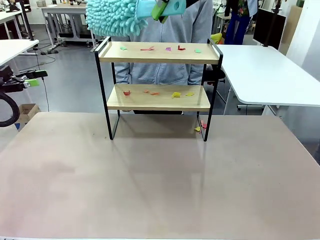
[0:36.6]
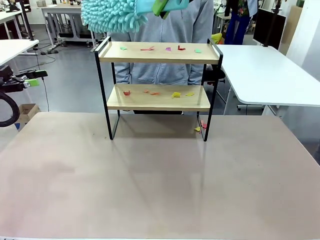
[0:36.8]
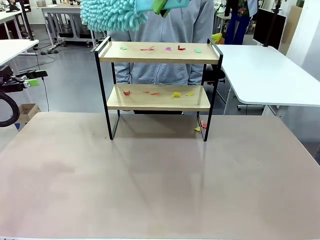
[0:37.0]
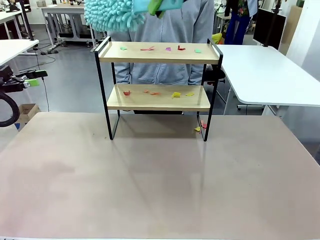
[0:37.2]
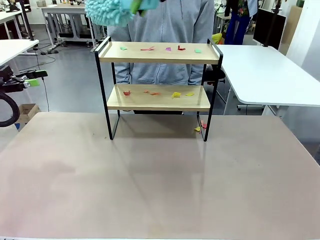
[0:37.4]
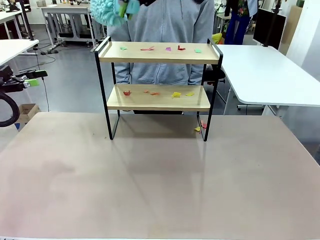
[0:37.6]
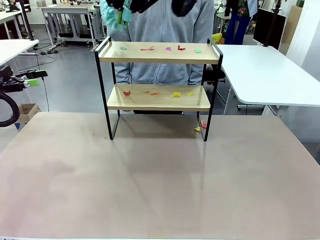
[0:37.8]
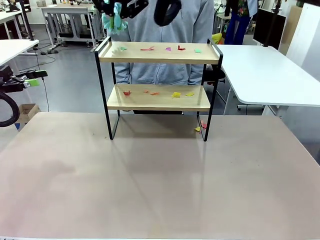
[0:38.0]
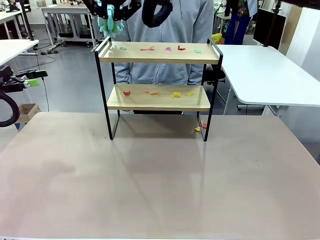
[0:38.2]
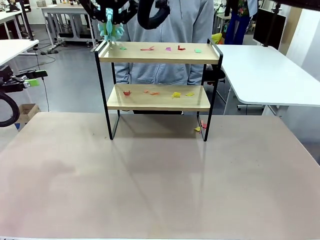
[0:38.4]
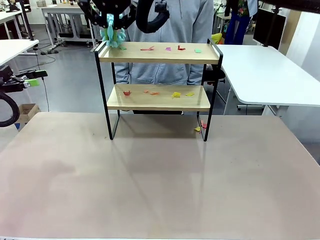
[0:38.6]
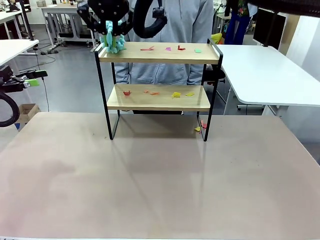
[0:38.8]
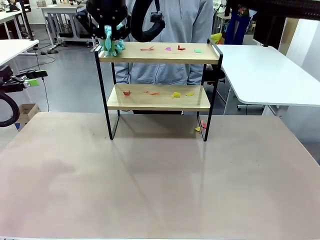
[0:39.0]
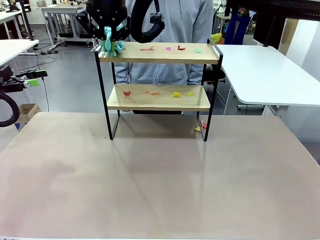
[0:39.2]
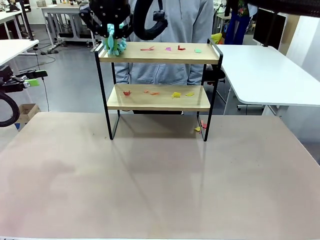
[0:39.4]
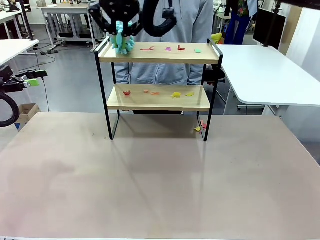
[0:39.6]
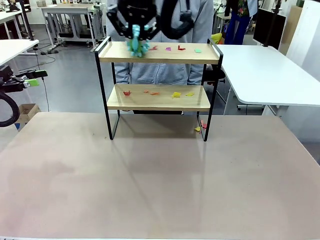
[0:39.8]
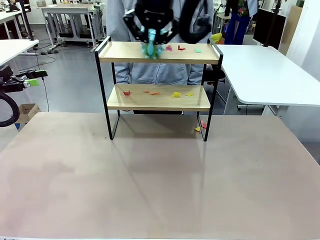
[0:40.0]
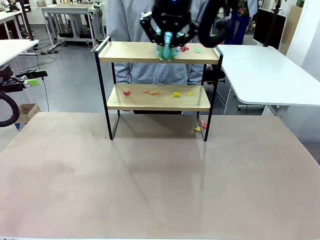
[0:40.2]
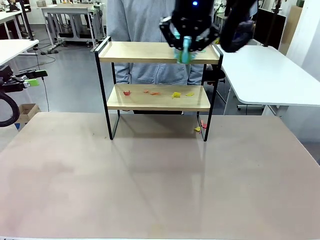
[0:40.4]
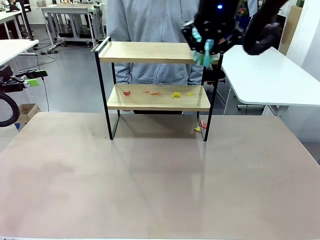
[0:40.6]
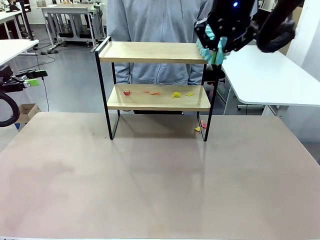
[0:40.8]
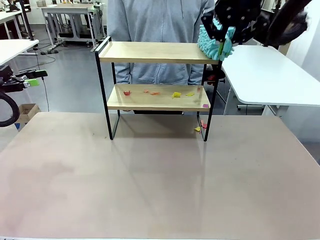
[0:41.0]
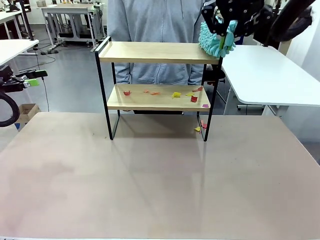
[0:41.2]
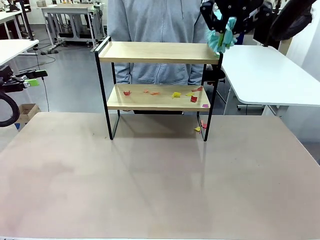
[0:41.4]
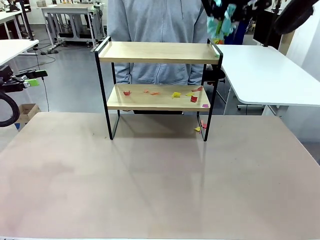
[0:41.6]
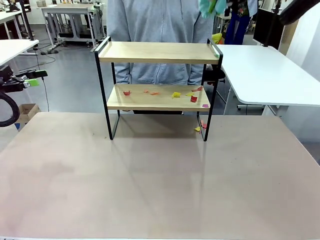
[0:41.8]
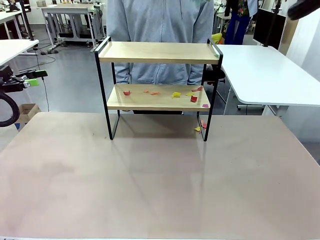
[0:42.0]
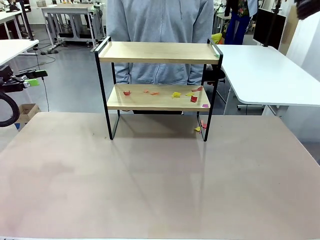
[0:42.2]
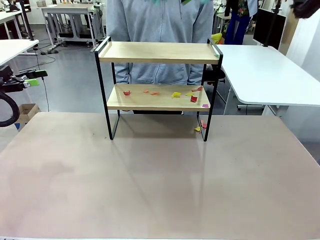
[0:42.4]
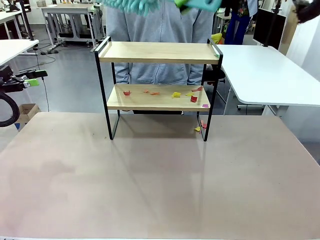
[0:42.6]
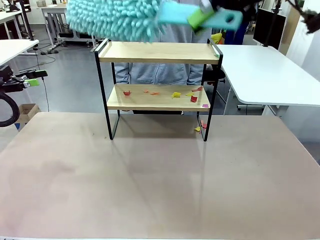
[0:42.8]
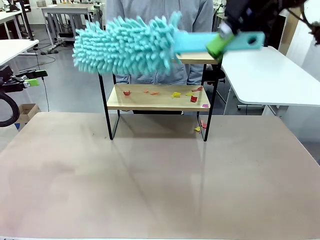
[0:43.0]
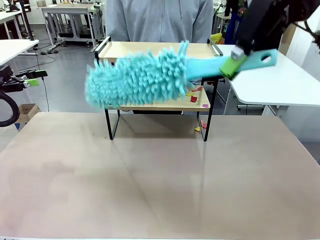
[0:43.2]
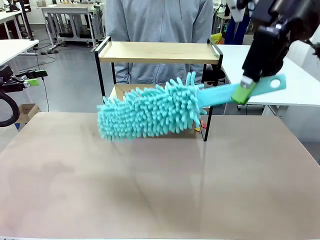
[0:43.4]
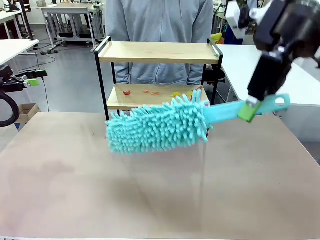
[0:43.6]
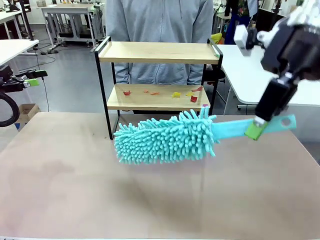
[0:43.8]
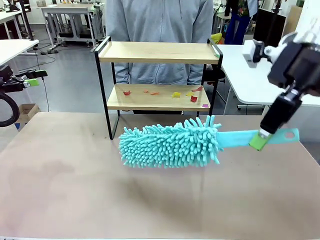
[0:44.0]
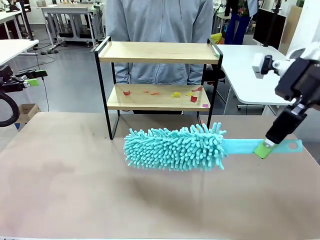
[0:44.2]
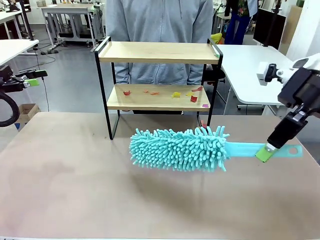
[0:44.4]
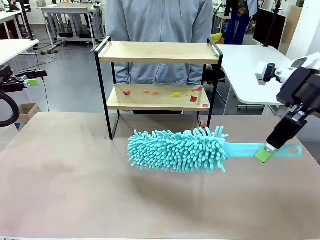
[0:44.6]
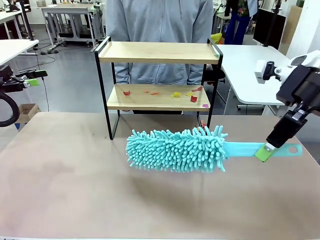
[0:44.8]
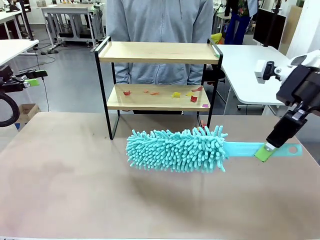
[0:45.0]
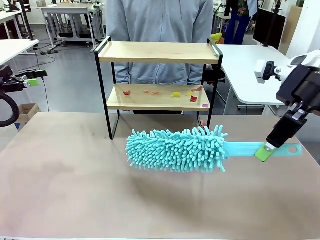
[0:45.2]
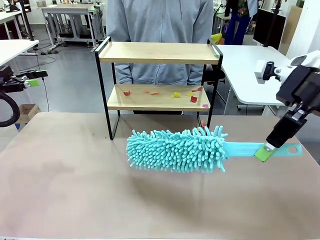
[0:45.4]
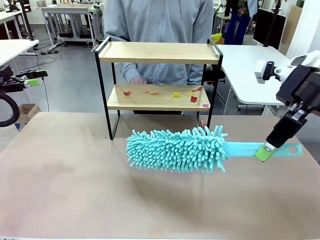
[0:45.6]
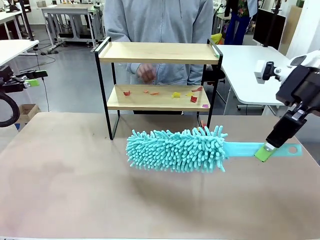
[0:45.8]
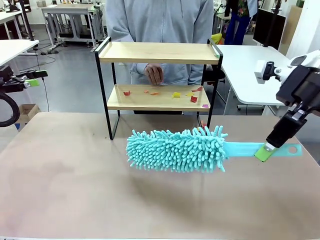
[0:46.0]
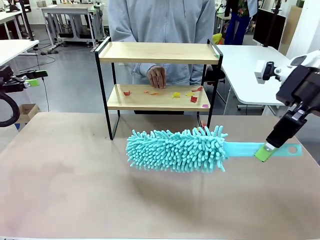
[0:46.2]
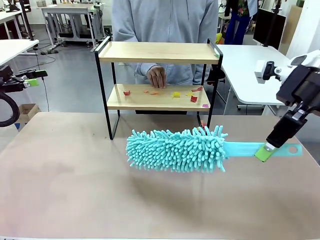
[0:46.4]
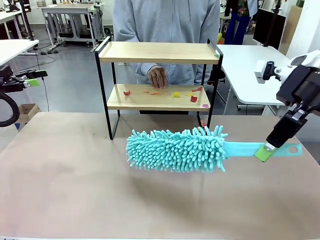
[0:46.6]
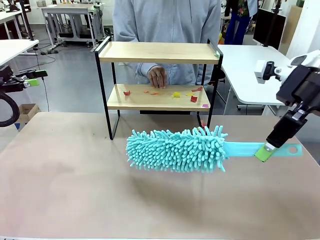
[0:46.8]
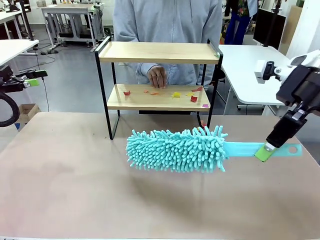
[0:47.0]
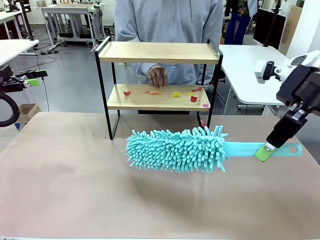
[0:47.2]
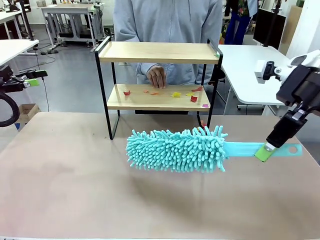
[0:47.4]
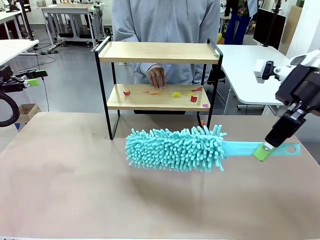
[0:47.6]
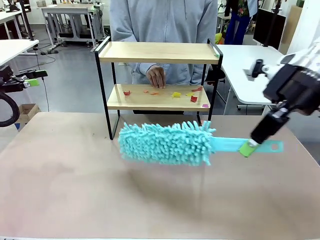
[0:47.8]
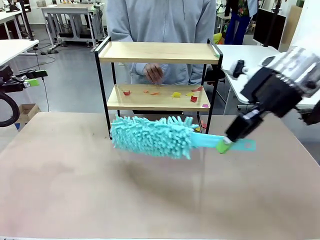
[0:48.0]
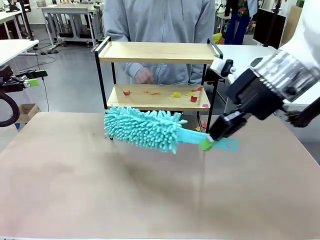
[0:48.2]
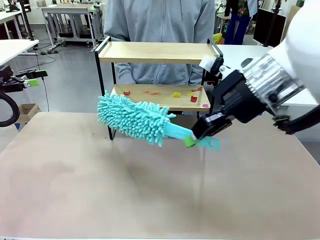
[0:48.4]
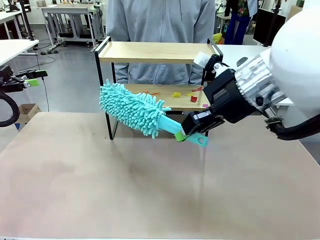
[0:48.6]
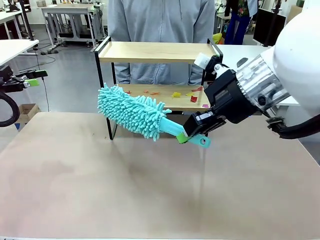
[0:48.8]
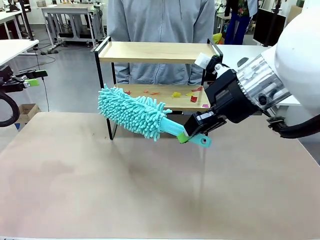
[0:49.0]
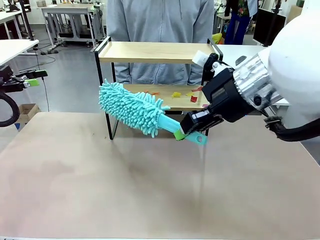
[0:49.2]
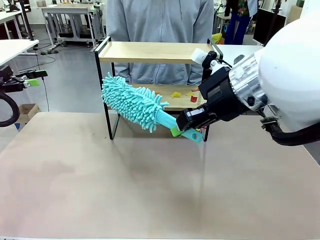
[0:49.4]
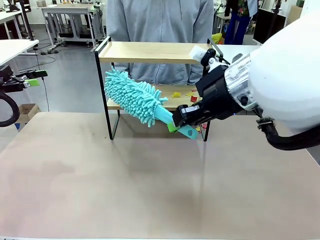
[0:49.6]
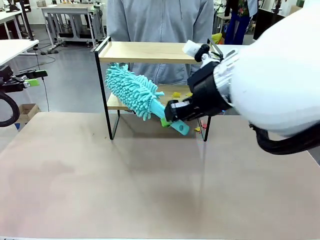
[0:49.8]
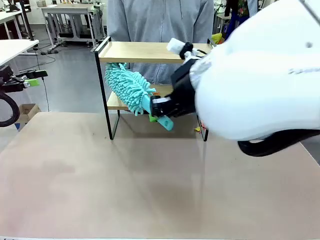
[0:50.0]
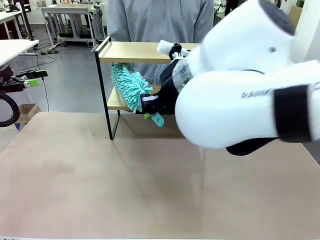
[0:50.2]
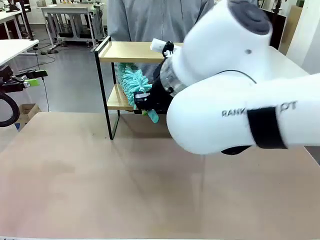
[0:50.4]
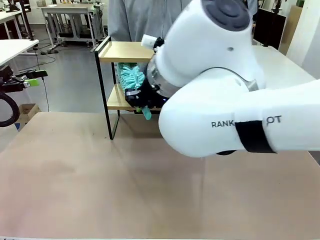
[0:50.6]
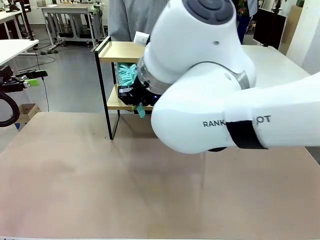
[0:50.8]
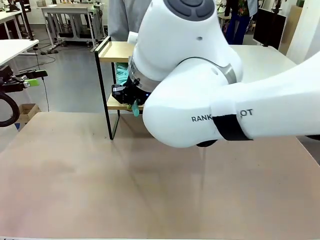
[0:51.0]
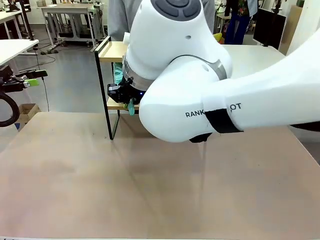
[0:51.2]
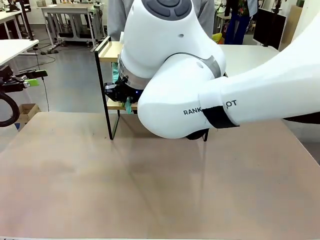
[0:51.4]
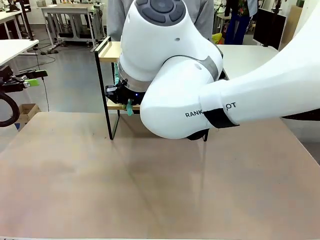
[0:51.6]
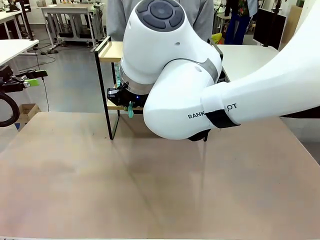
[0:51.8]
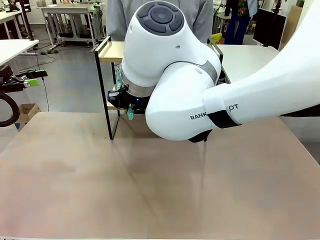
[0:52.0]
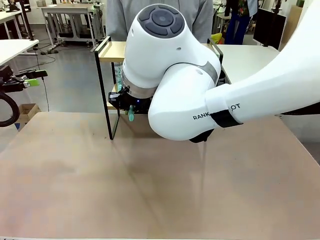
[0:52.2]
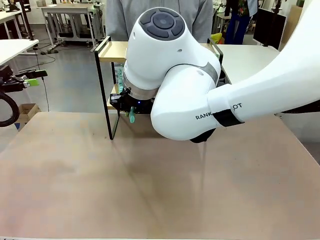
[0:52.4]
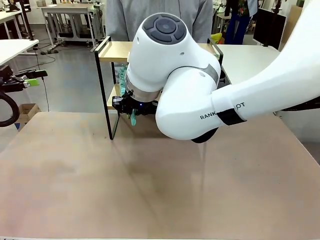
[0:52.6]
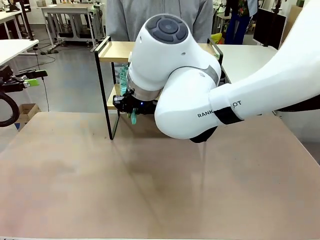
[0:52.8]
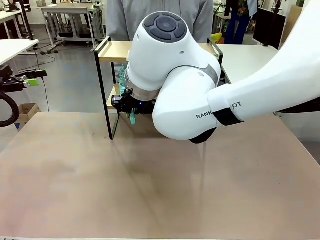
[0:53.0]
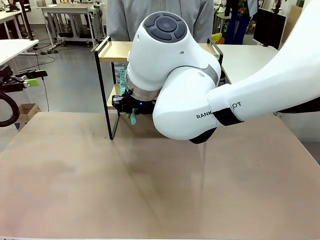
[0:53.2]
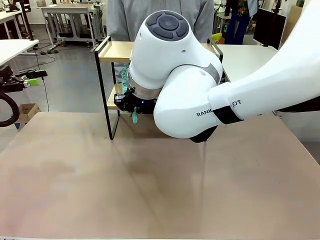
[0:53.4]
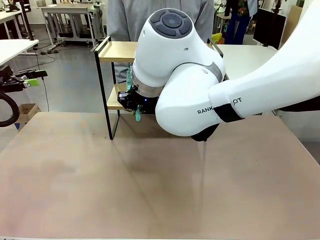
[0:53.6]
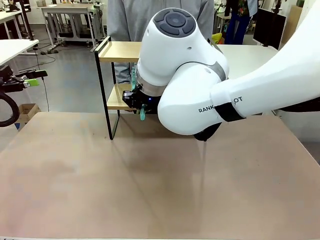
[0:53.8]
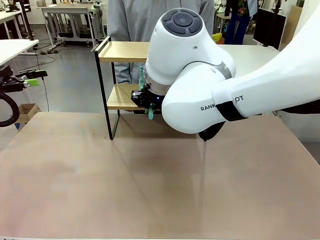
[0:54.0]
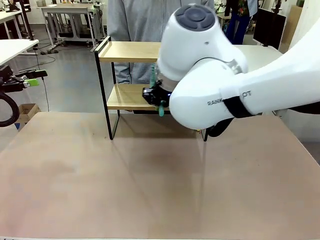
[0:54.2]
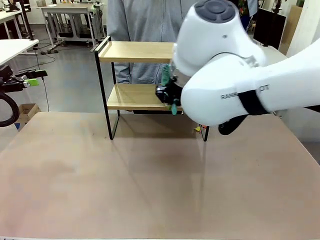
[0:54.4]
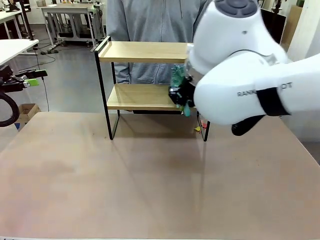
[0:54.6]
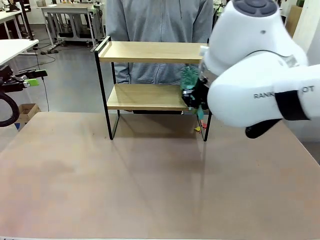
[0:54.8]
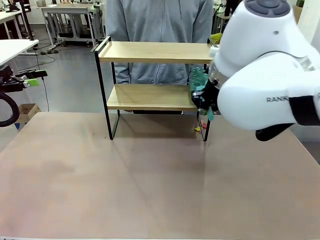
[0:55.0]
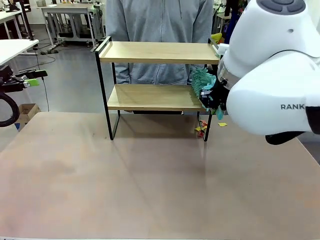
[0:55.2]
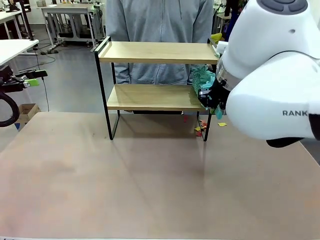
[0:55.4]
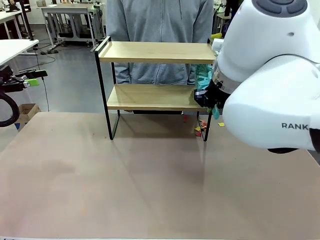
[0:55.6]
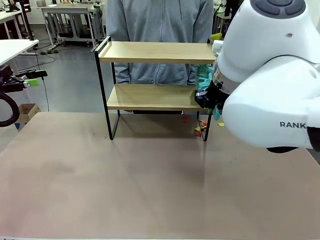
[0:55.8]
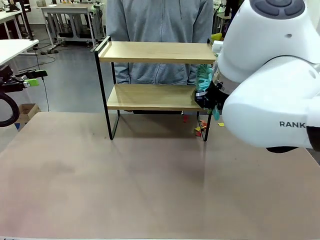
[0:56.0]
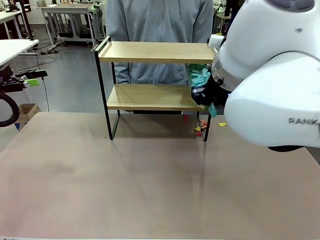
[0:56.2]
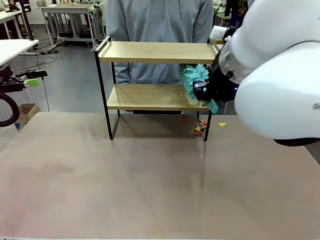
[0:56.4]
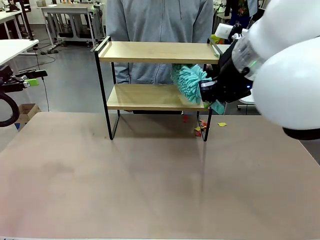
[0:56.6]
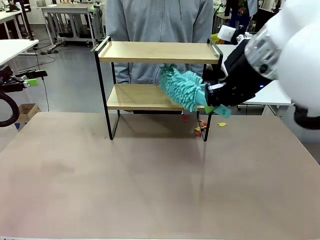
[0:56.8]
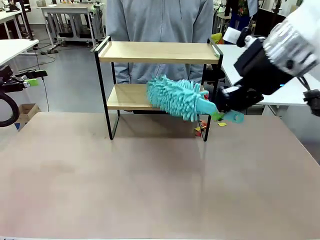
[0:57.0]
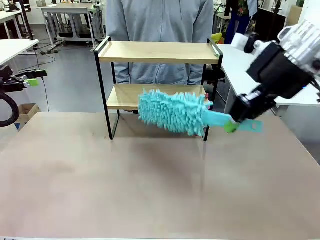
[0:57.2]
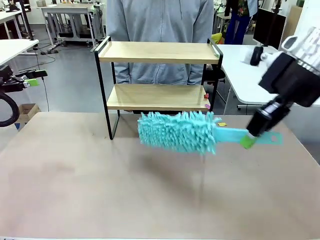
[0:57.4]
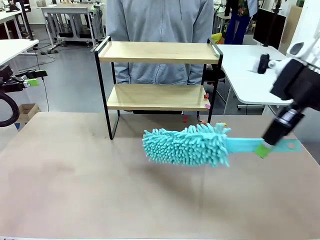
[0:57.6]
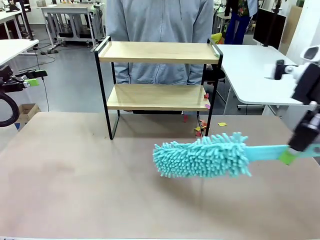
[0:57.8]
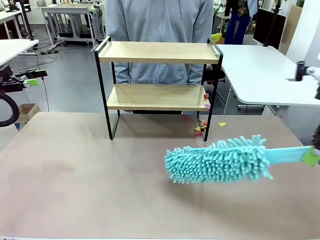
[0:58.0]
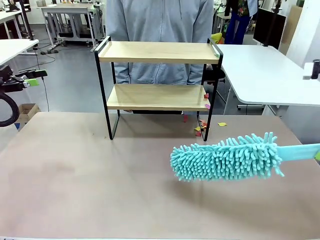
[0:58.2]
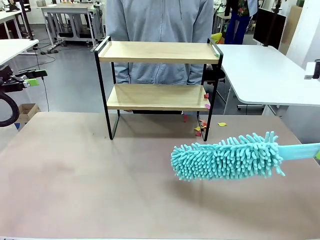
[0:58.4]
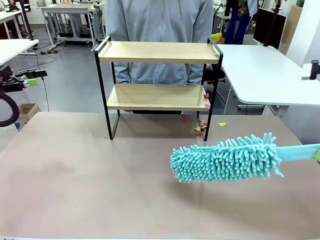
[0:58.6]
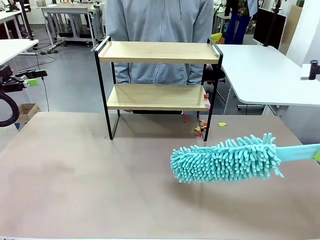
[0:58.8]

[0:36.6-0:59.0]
Task: Clean the shelf.
Robot: Clean the specific section of the Shelf indicated by the human with the Duster.
Person: Point a remaining section of the Shelf.
